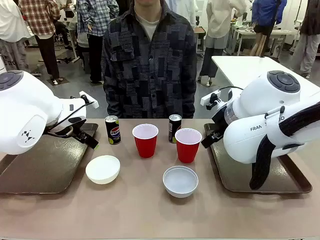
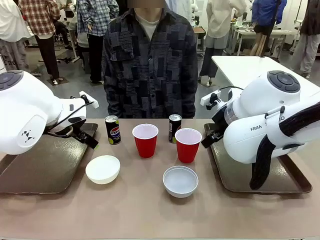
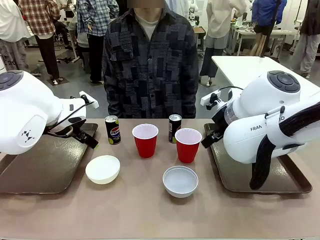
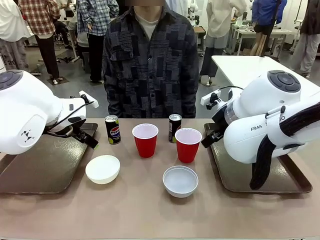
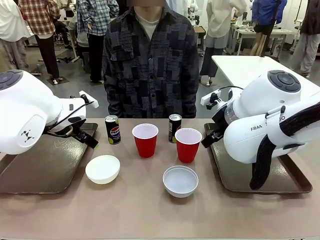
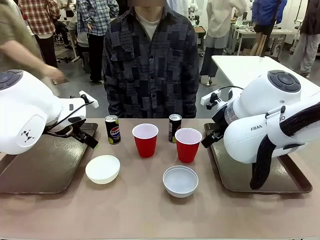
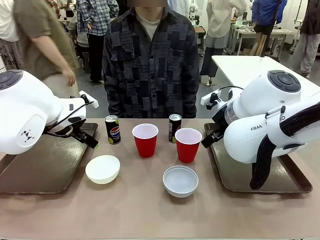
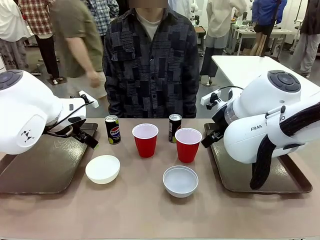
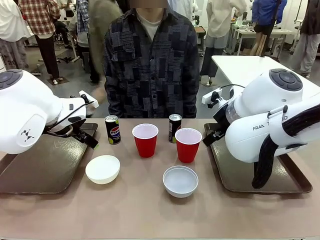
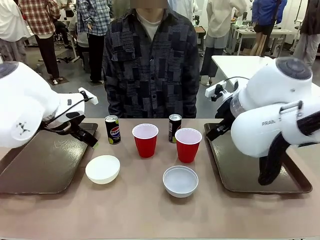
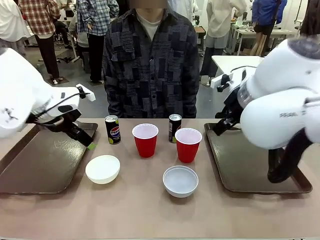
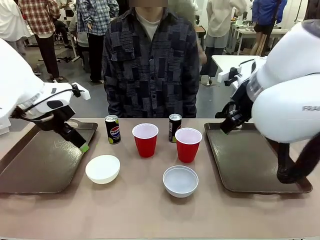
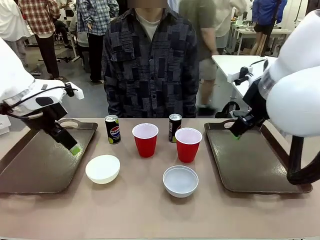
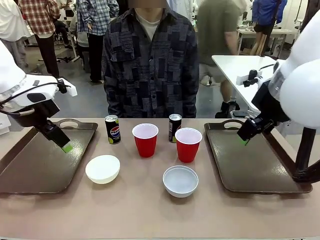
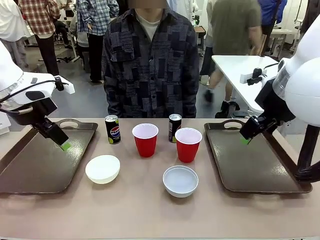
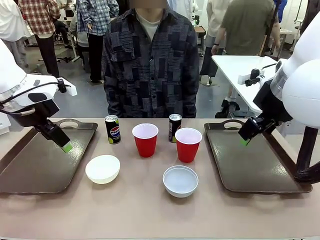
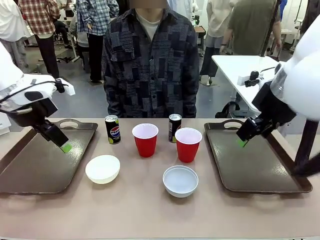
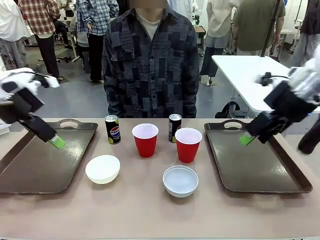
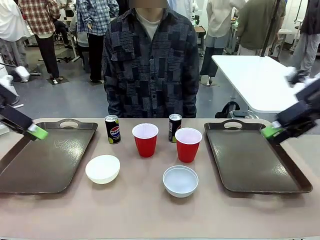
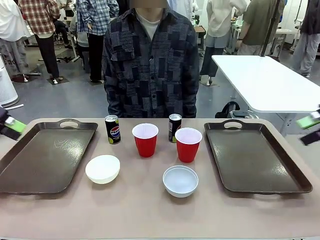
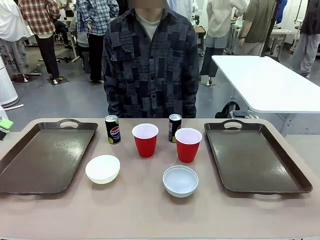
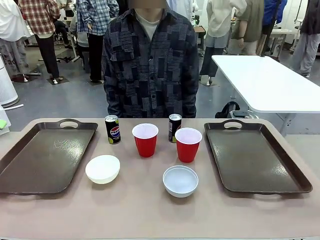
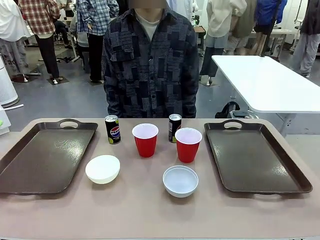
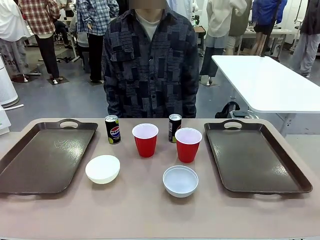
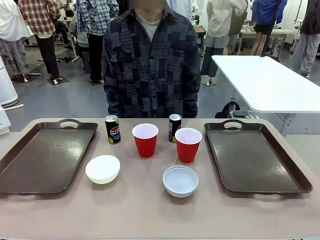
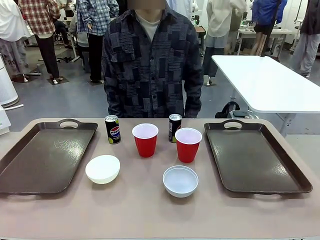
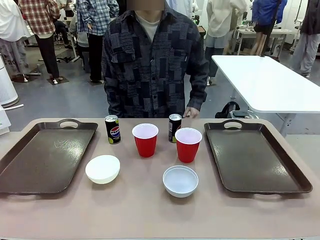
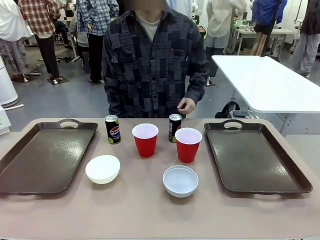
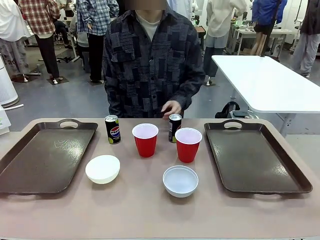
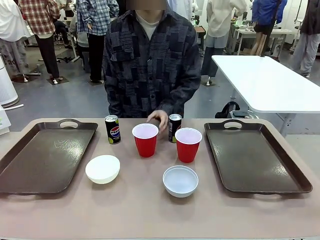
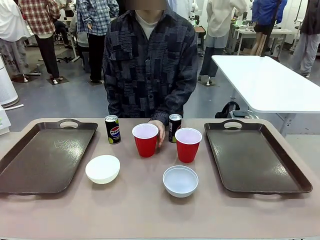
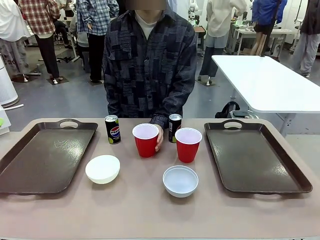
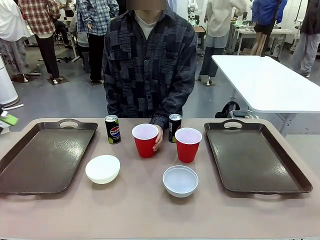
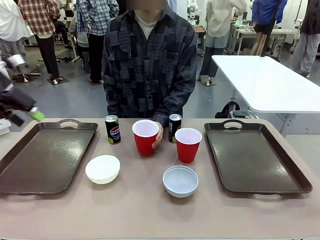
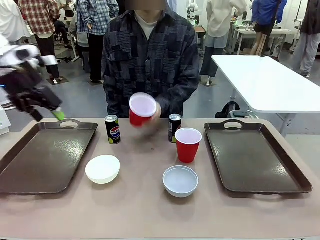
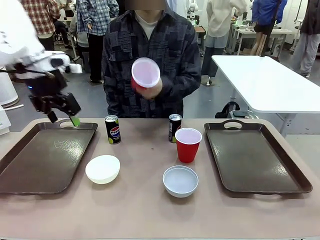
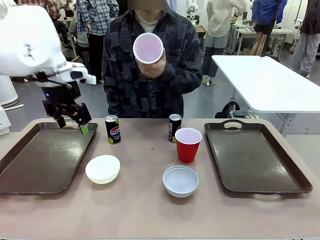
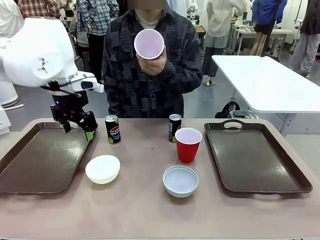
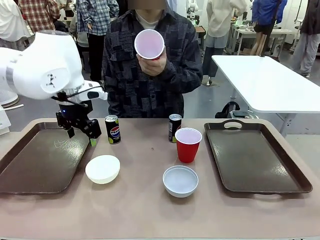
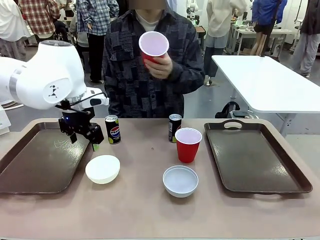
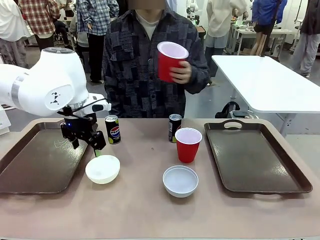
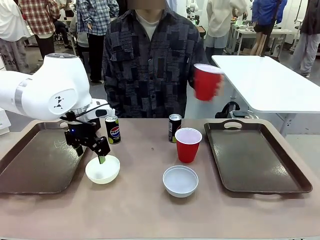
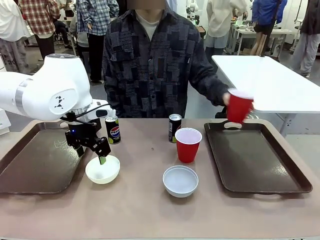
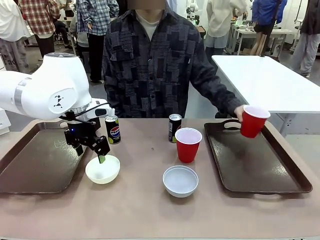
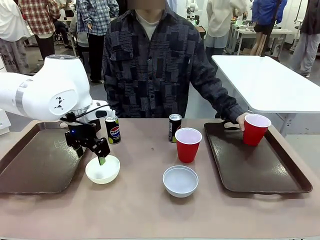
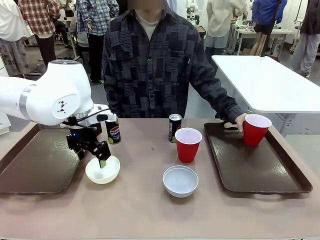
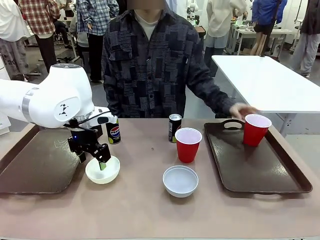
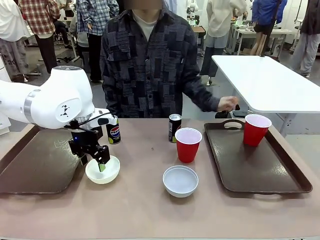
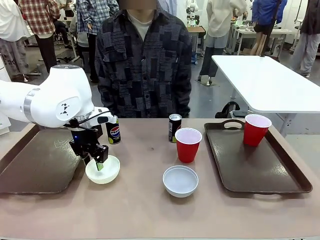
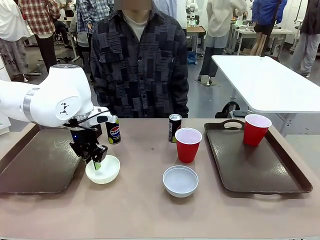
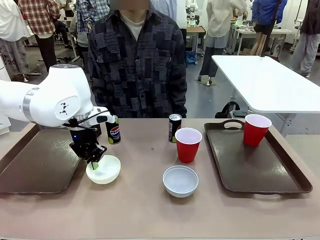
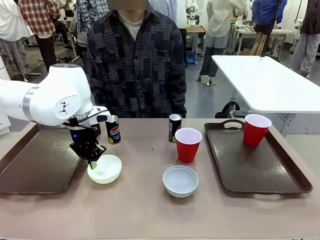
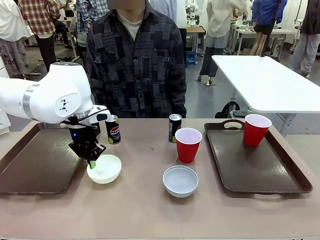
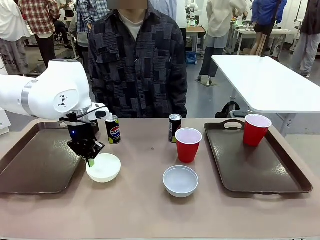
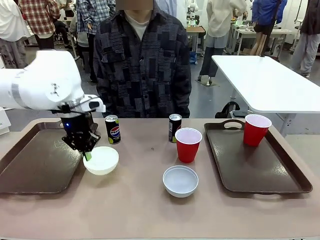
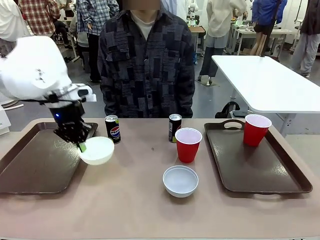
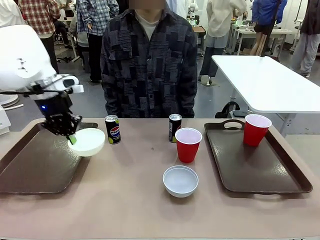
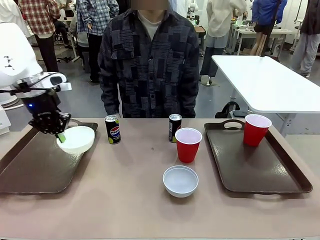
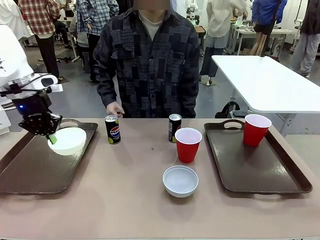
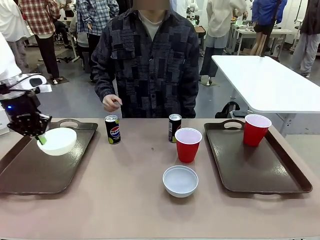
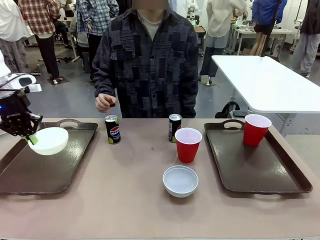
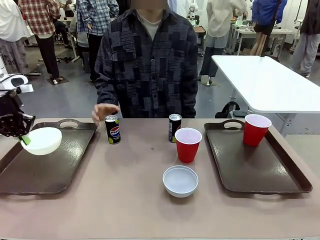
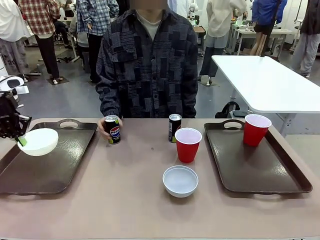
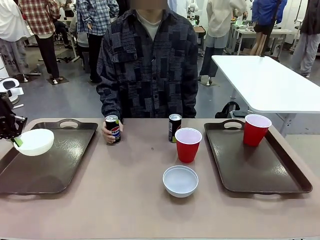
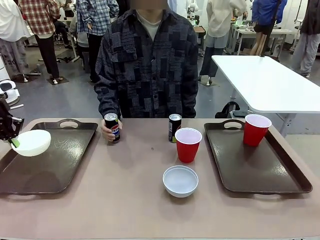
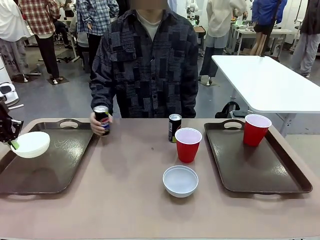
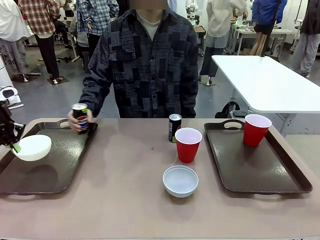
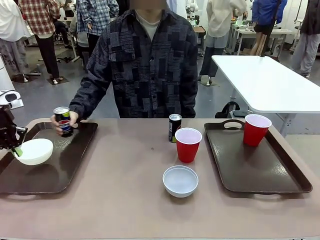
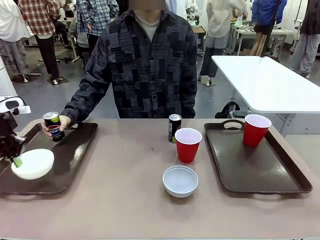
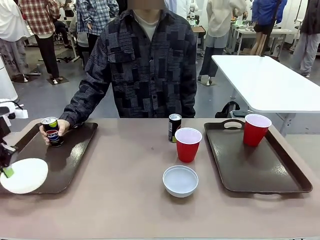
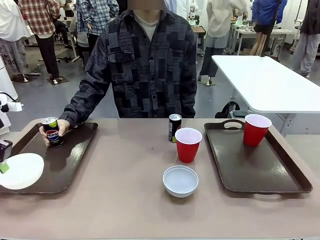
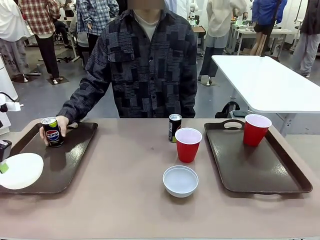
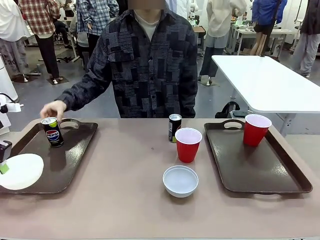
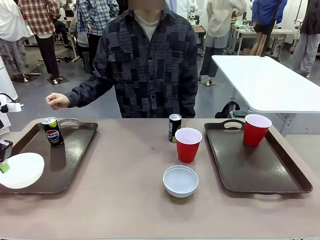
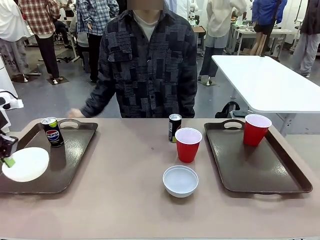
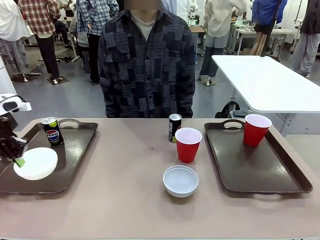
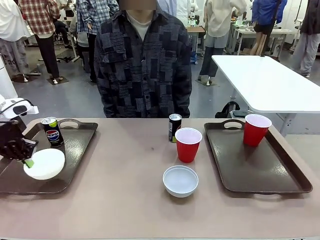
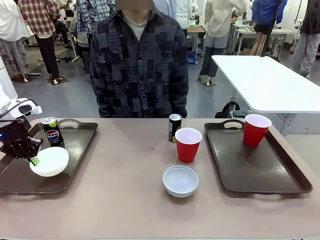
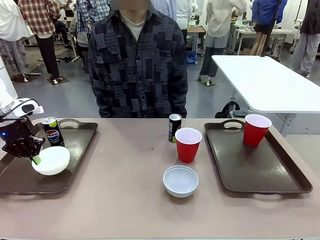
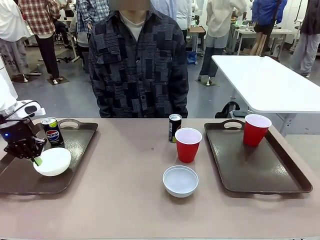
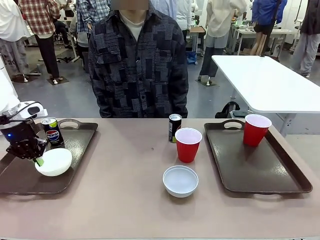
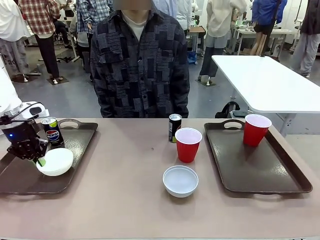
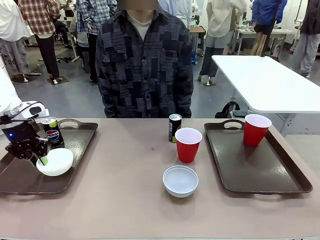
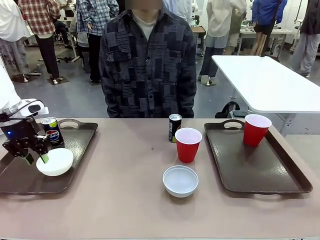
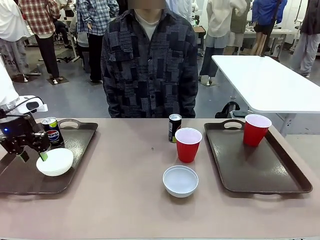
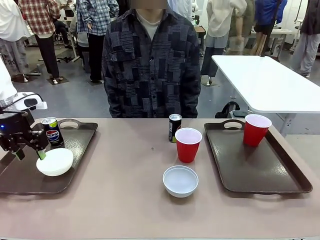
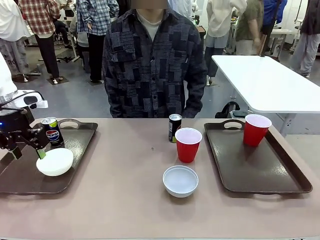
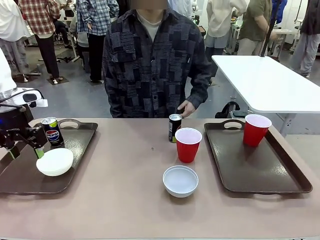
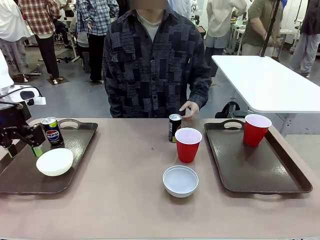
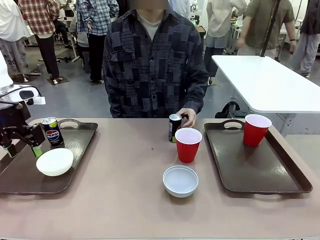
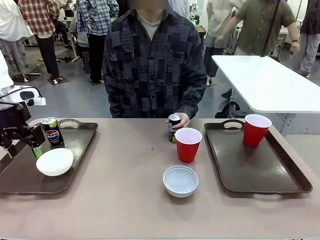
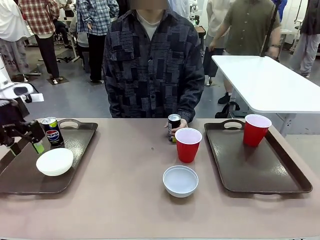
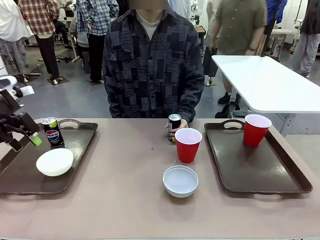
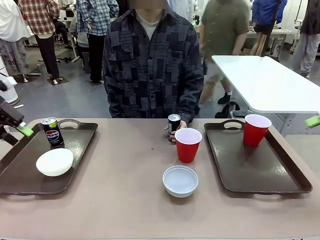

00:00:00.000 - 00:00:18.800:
Task: Prepare tableware on both trays.
Robot: Pick up a Picnic Bowl from the table and place it on a Handle tray.
Person: Pick up a can or cup and place it on the tray.
